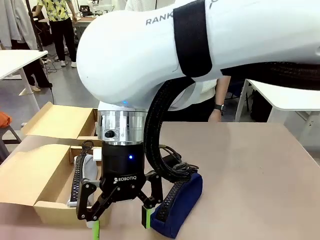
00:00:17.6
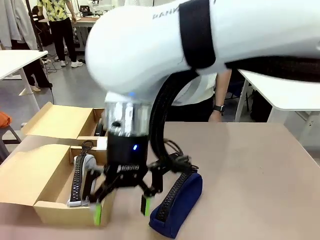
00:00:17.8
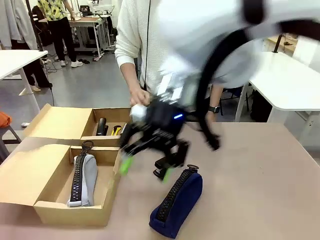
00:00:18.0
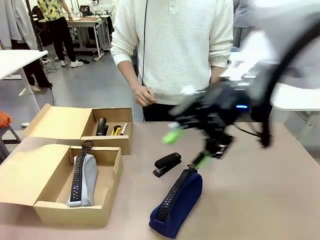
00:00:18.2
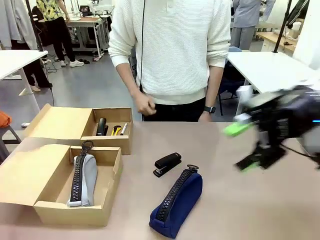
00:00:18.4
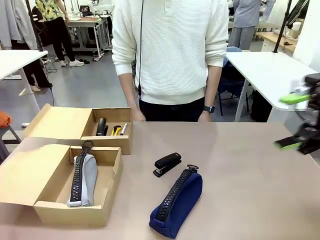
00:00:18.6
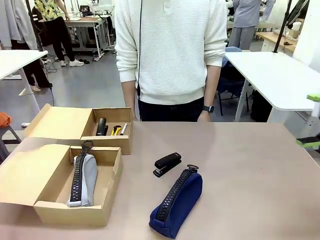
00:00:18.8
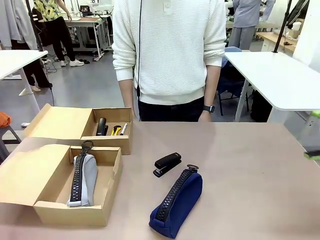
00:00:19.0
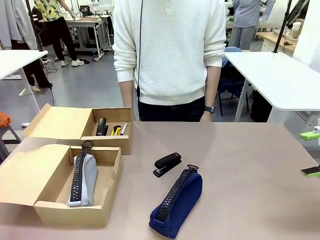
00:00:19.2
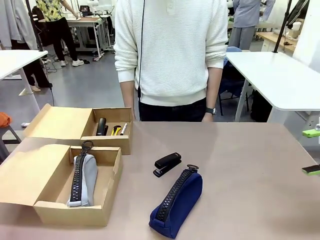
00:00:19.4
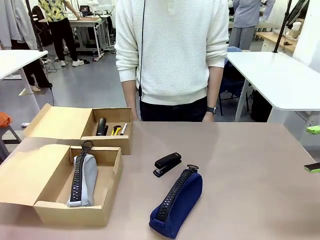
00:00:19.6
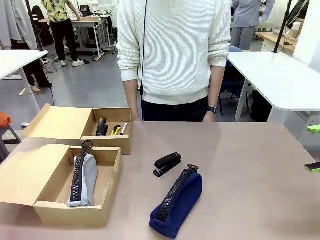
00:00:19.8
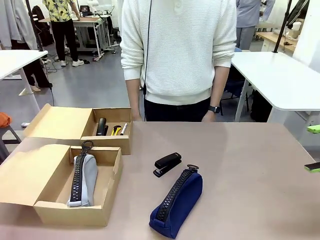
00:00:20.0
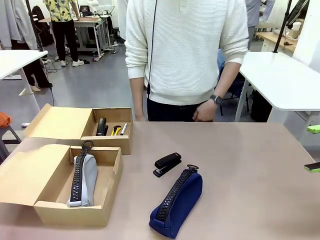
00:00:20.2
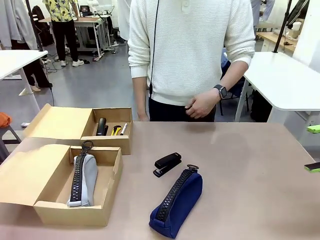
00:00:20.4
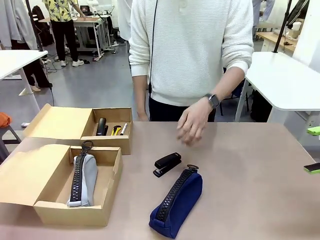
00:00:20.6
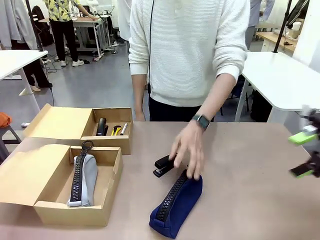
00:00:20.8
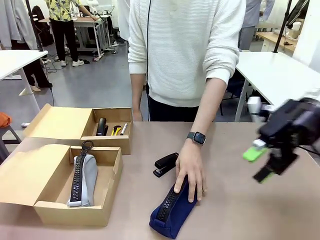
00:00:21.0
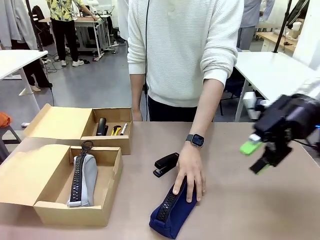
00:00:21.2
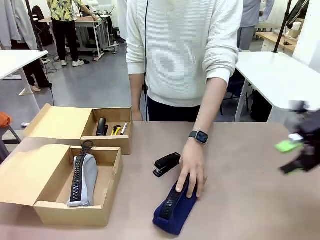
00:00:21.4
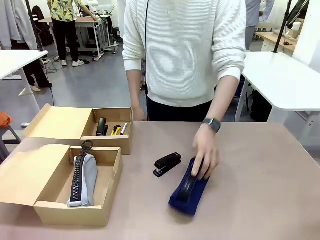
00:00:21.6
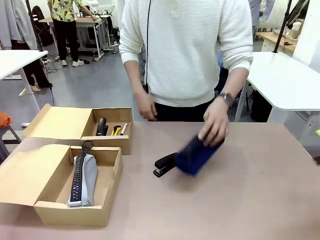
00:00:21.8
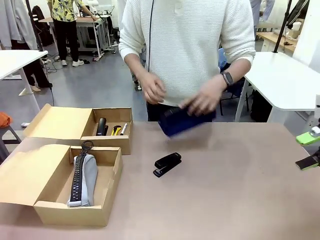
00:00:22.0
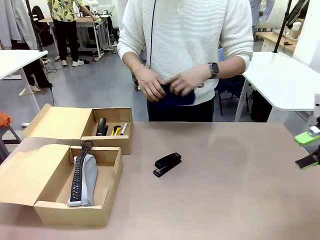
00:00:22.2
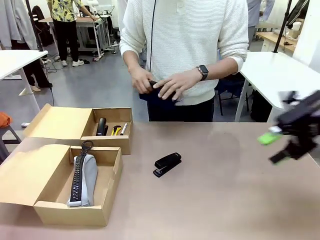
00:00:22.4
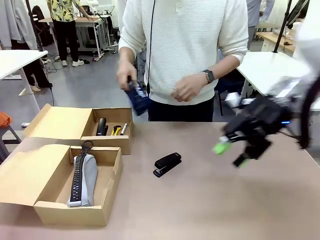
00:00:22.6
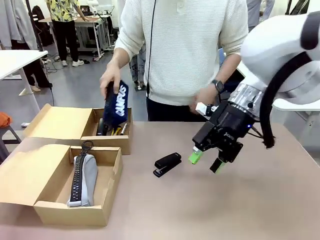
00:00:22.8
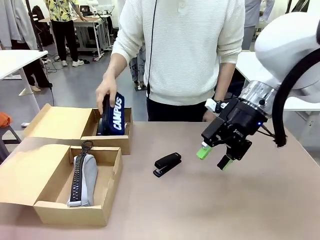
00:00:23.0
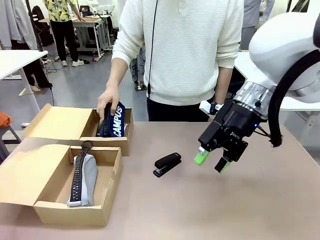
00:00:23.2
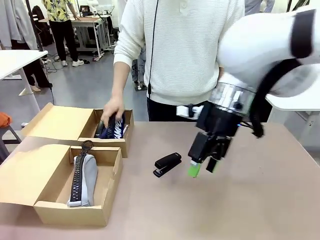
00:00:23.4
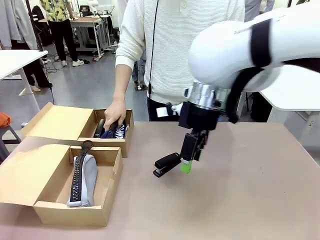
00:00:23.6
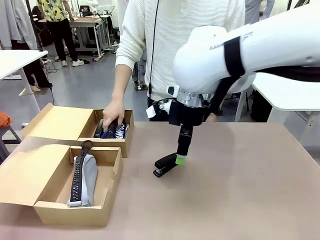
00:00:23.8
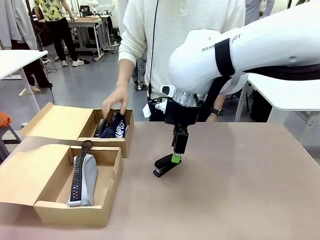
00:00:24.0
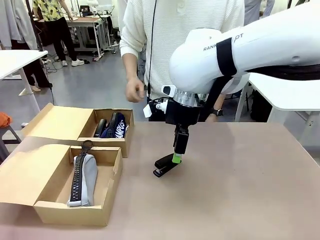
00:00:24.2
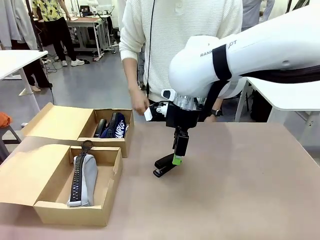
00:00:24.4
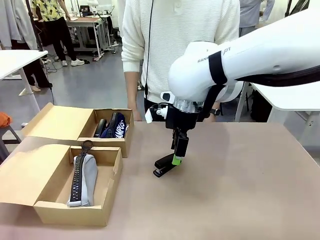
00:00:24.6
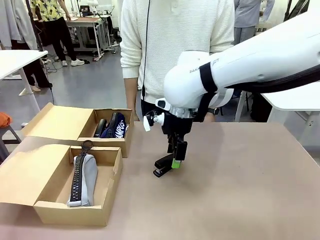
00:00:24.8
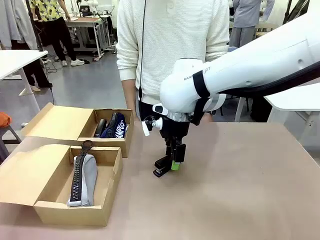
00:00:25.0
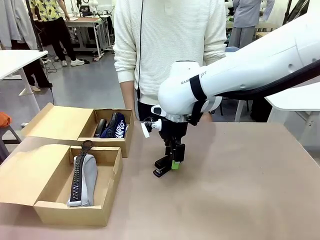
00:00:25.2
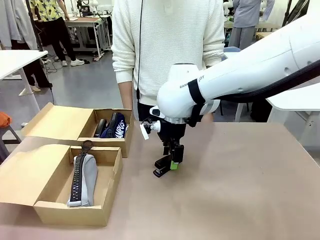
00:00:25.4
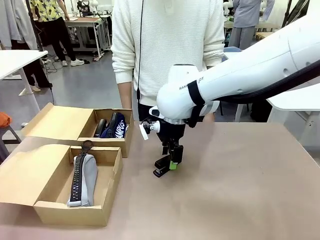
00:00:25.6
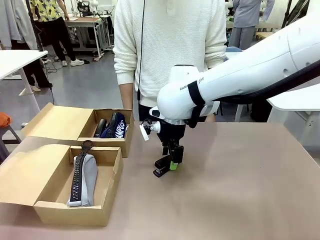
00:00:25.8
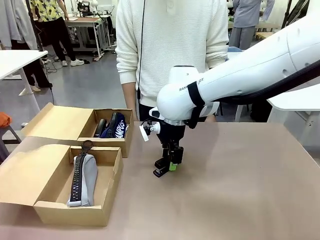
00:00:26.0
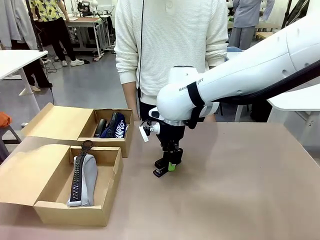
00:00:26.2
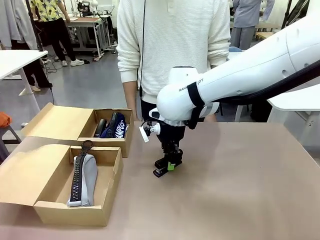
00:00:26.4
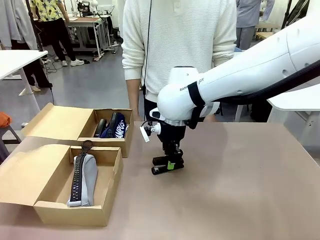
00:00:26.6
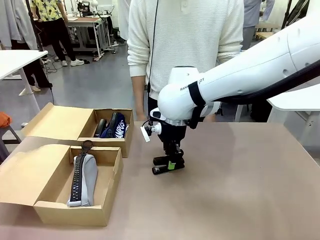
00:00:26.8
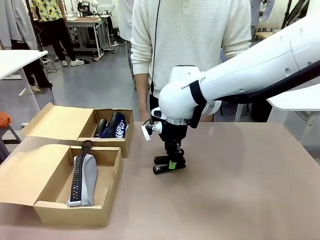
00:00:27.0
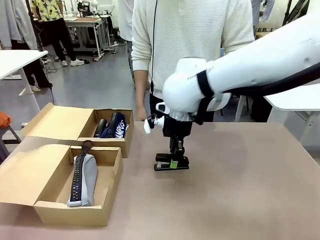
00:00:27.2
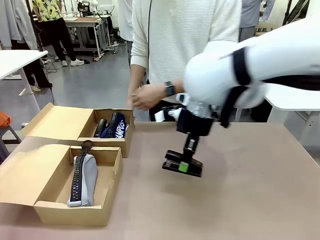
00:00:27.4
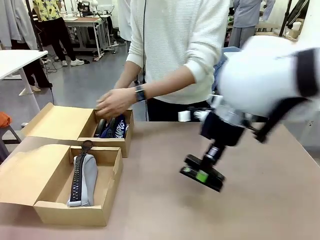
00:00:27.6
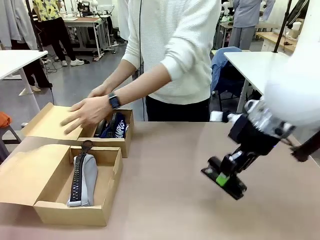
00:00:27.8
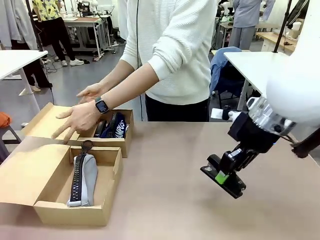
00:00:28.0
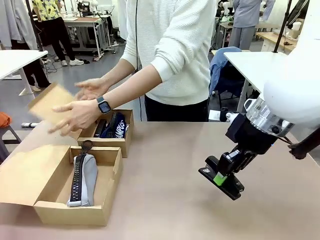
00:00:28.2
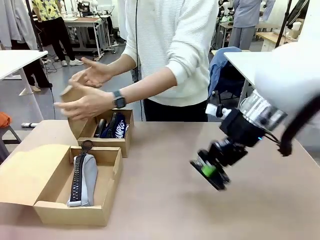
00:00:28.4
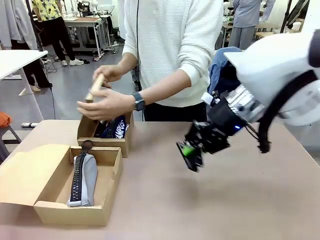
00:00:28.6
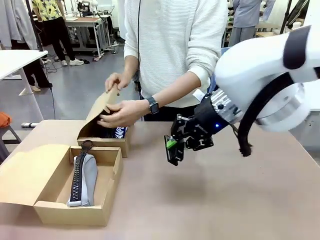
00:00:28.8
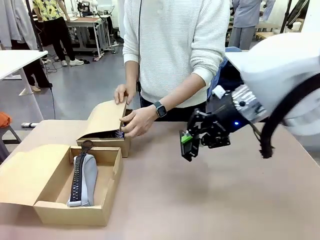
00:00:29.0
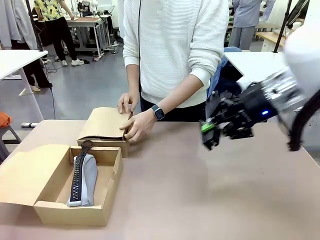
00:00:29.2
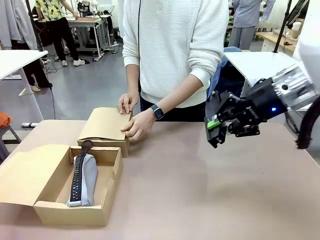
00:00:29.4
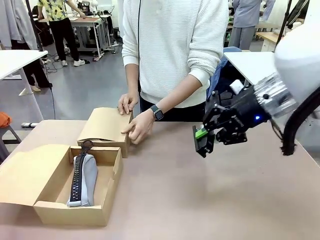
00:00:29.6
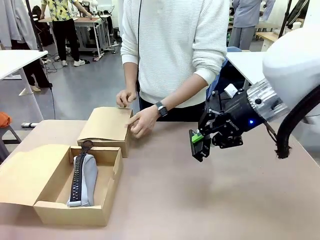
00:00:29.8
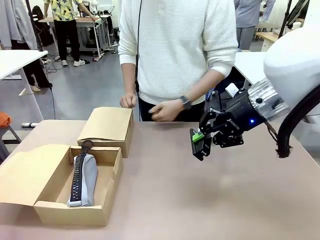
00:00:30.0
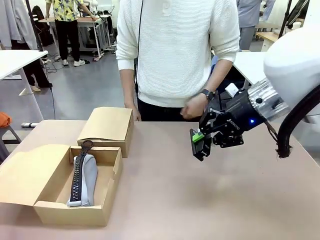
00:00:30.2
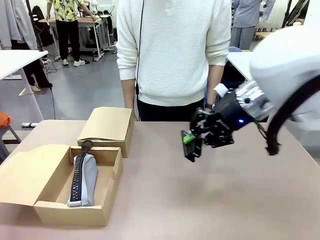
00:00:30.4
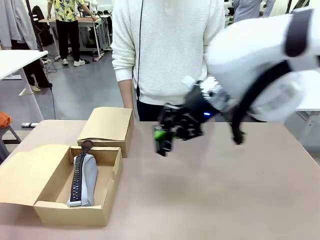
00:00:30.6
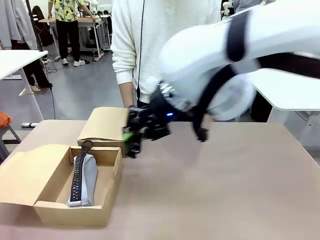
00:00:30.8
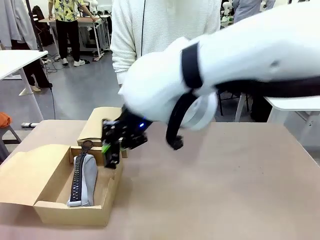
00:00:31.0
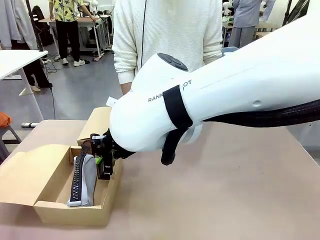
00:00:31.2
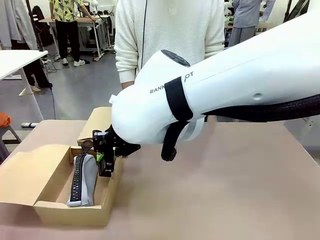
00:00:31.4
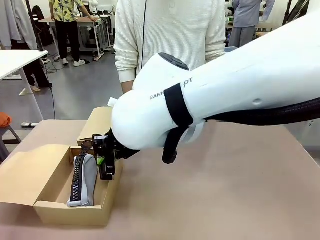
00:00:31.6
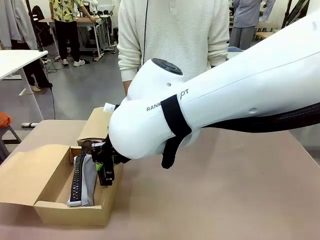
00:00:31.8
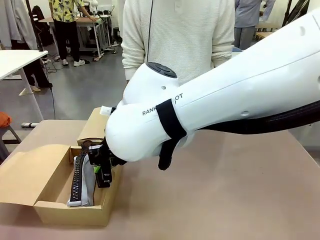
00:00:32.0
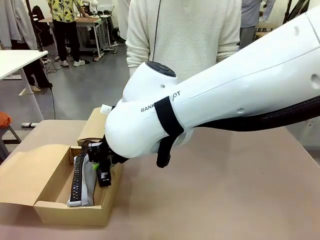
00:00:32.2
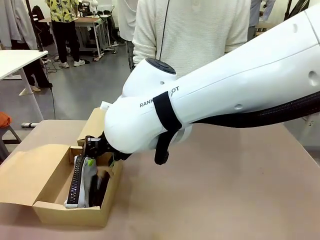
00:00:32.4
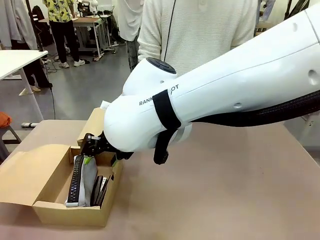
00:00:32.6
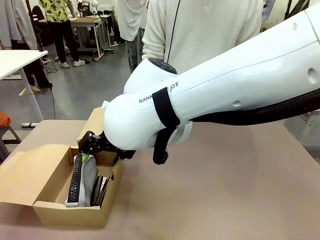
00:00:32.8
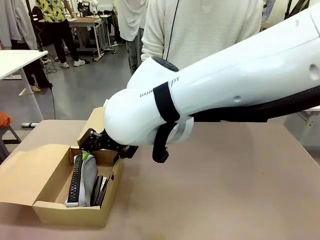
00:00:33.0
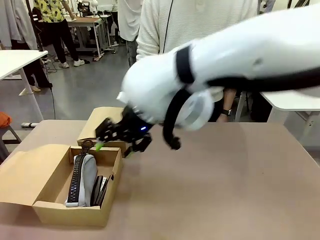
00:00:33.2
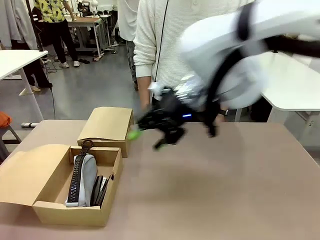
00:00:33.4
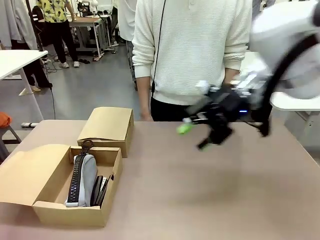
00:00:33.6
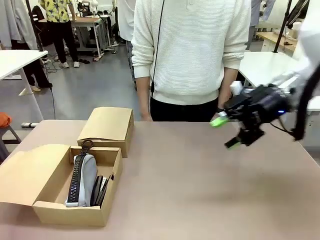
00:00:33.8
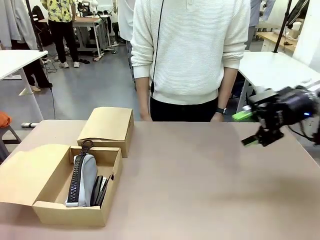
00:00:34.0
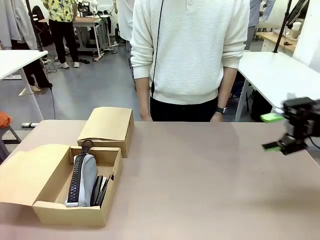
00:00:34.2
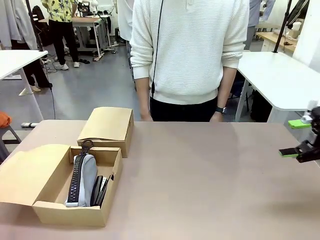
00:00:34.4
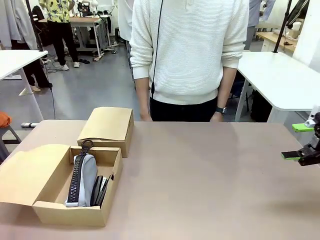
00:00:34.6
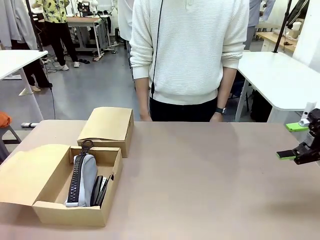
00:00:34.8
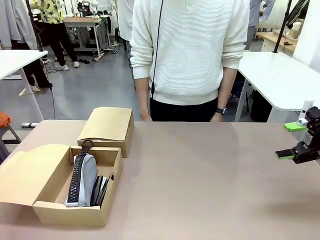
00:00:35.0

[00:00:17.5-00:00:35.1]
Task: Place items inside the box.
Robot: Pick up a Pencil pouch or Stapler and place it inside the Mailer Box closest to the robot.
